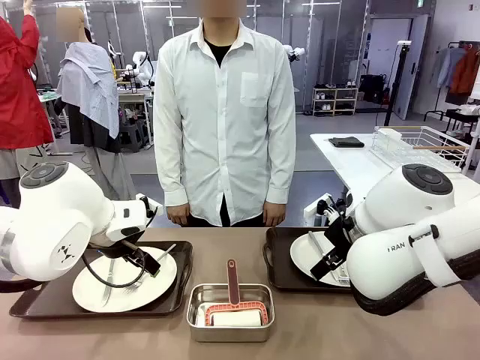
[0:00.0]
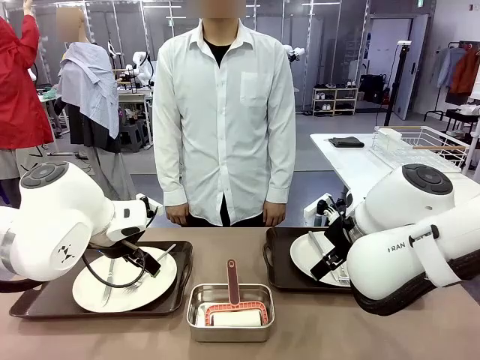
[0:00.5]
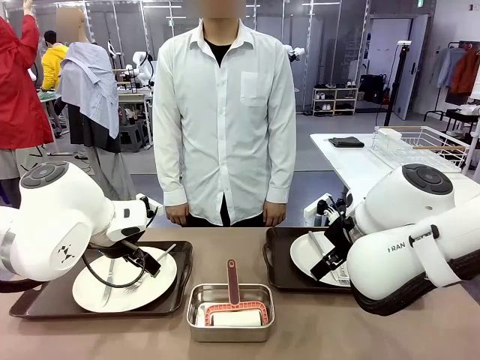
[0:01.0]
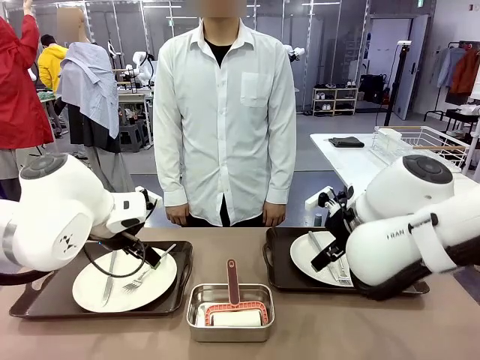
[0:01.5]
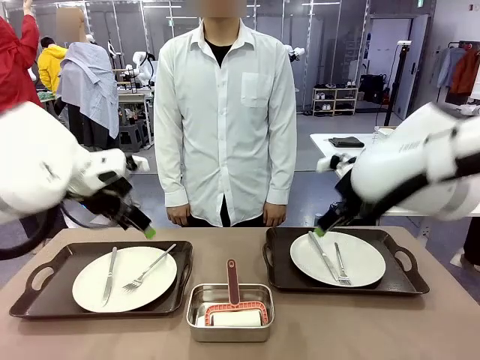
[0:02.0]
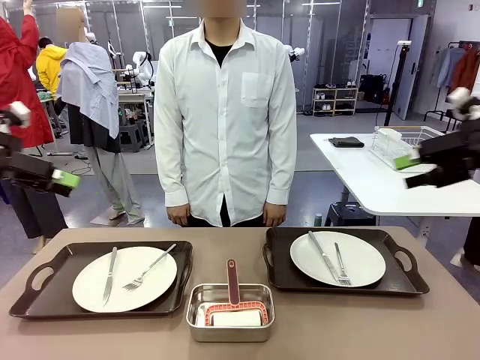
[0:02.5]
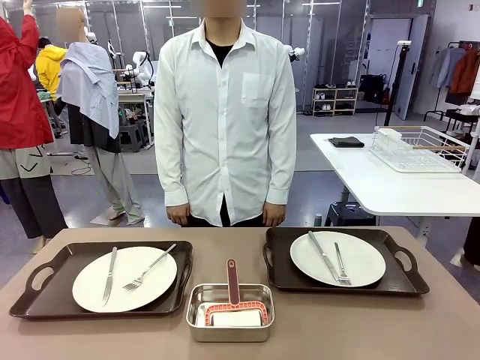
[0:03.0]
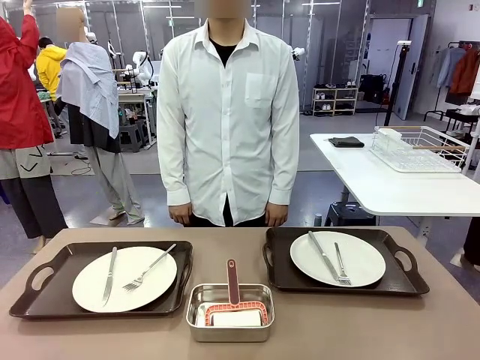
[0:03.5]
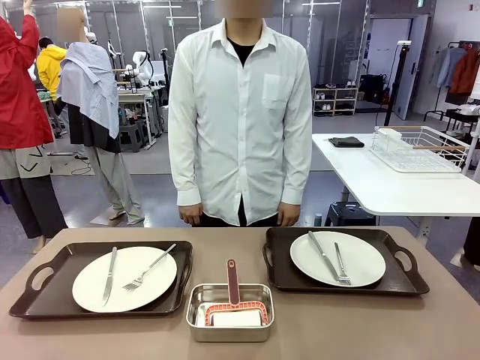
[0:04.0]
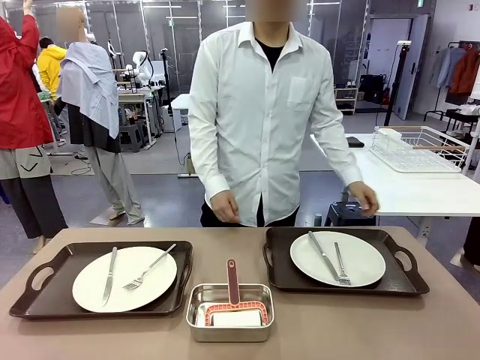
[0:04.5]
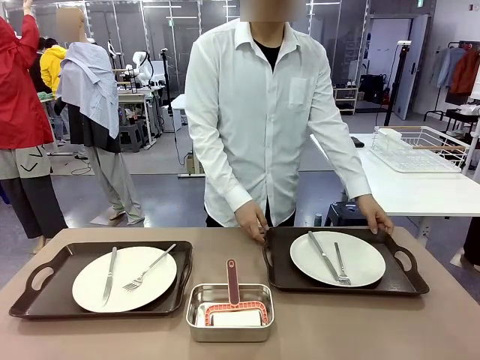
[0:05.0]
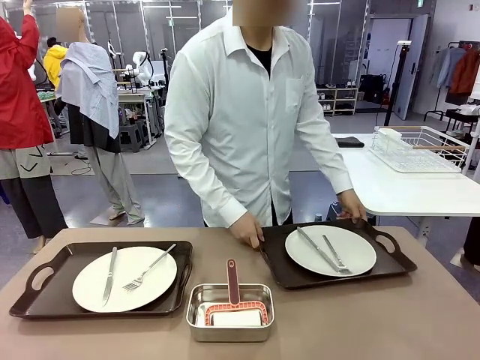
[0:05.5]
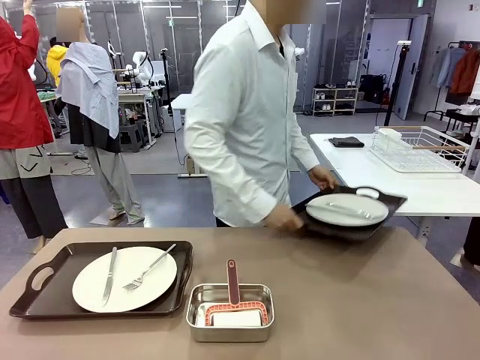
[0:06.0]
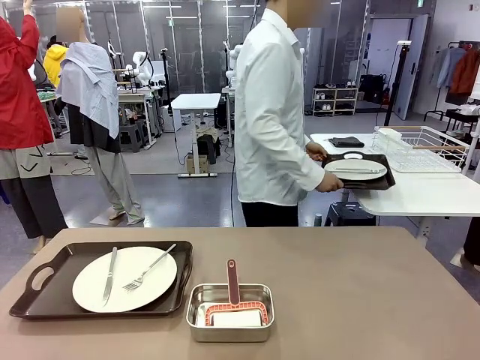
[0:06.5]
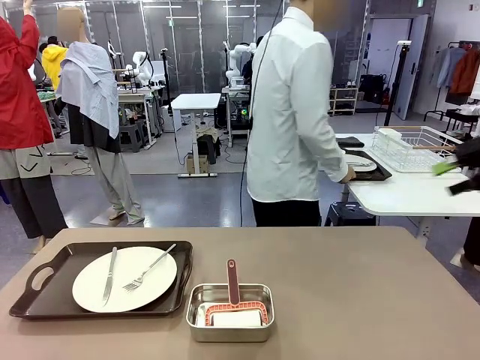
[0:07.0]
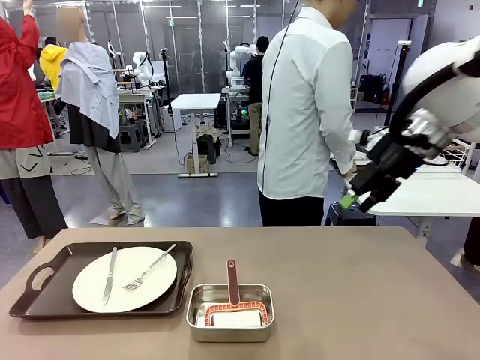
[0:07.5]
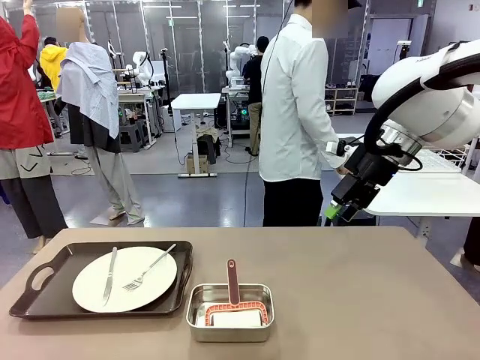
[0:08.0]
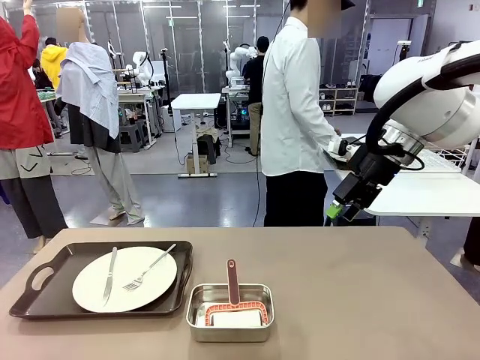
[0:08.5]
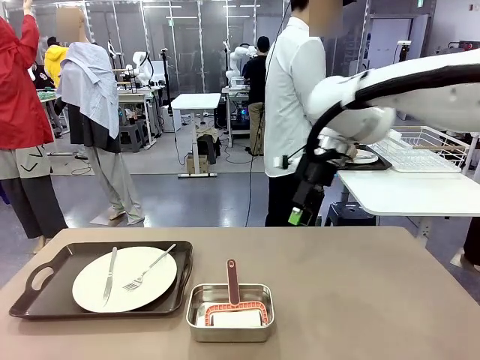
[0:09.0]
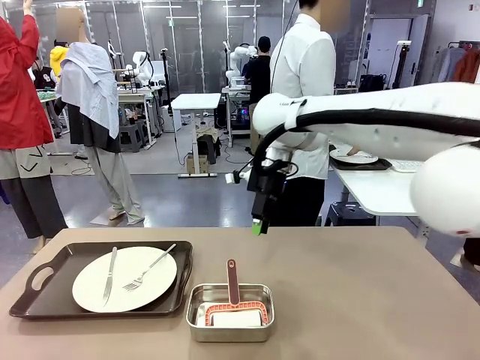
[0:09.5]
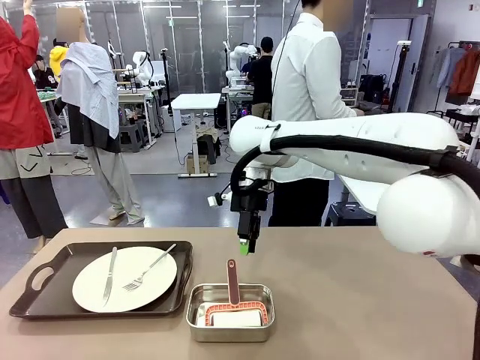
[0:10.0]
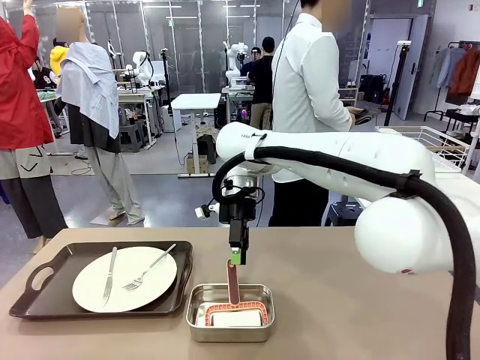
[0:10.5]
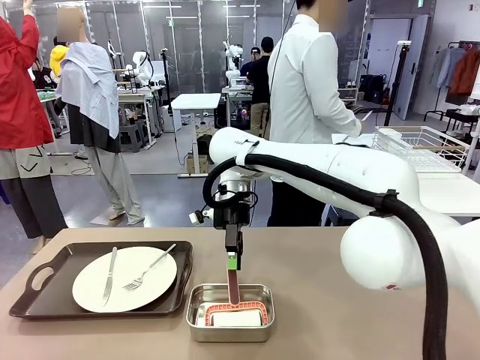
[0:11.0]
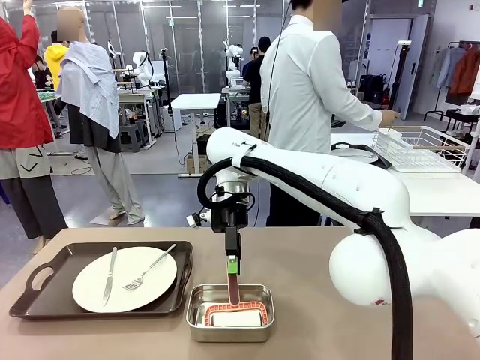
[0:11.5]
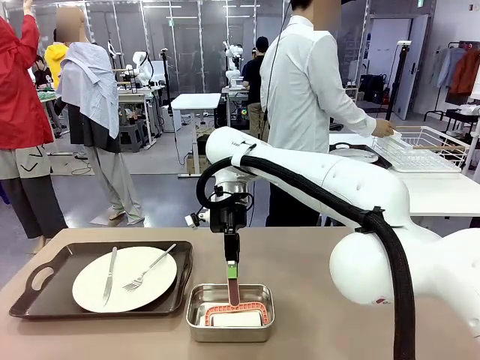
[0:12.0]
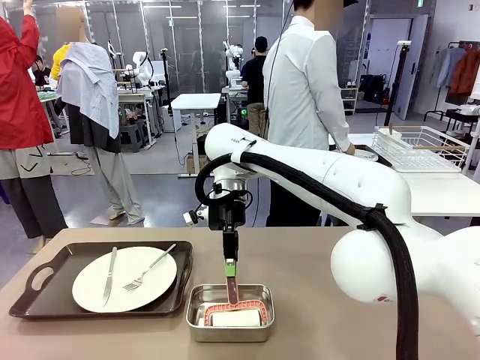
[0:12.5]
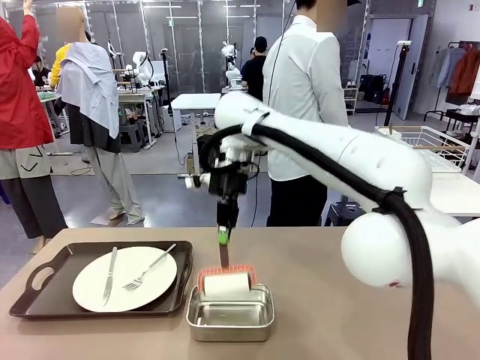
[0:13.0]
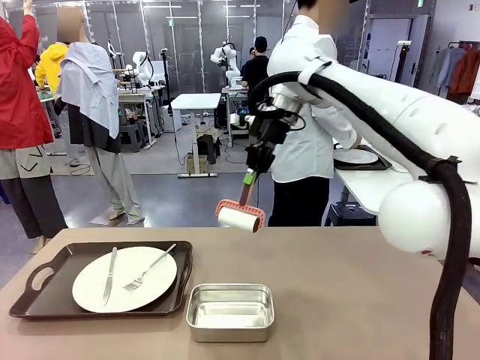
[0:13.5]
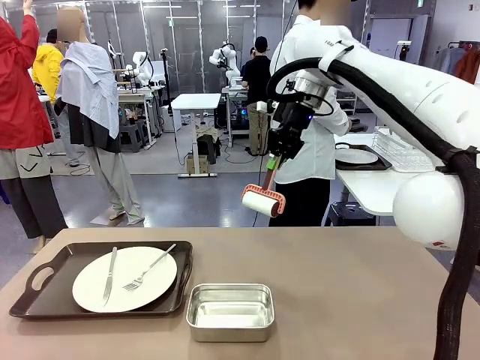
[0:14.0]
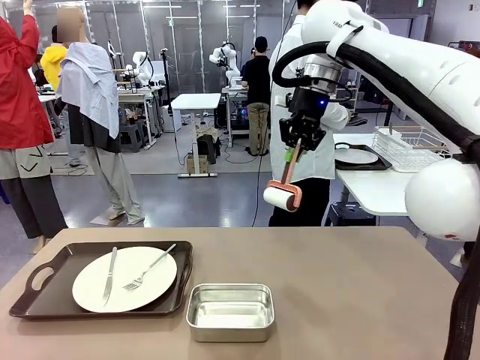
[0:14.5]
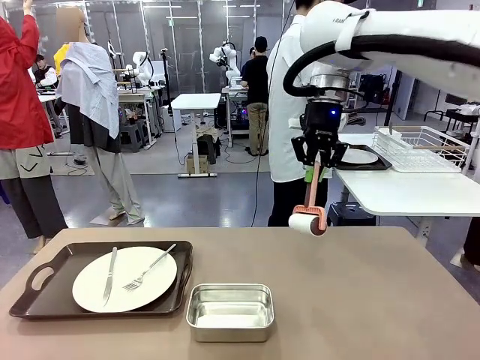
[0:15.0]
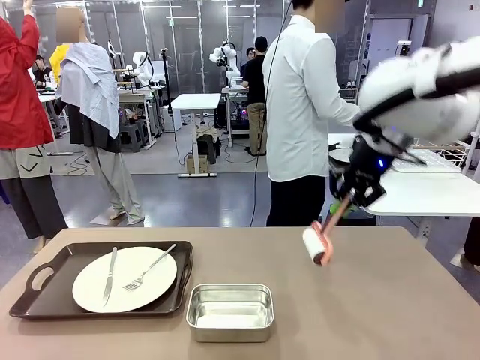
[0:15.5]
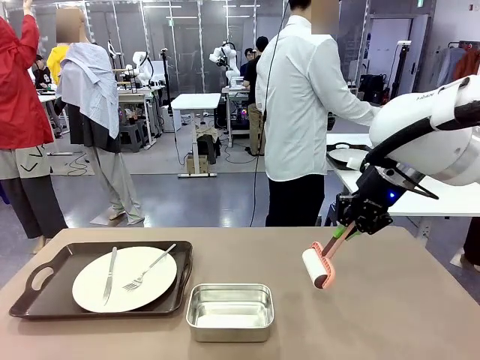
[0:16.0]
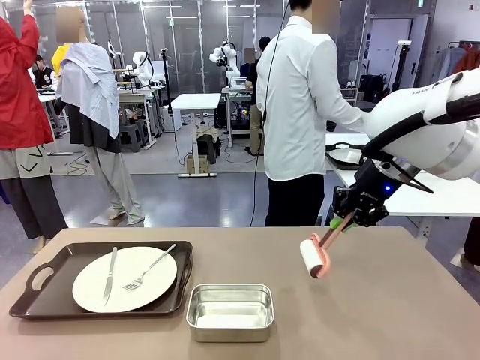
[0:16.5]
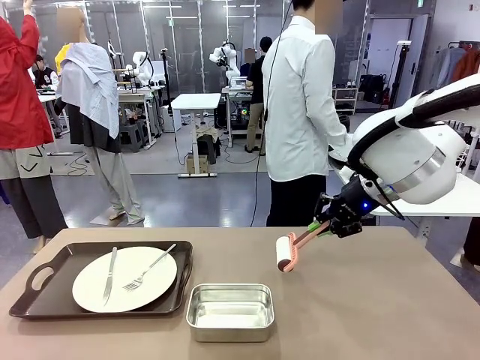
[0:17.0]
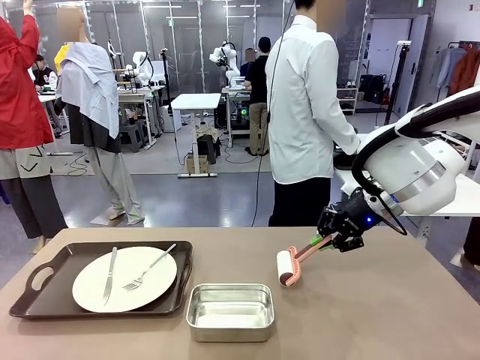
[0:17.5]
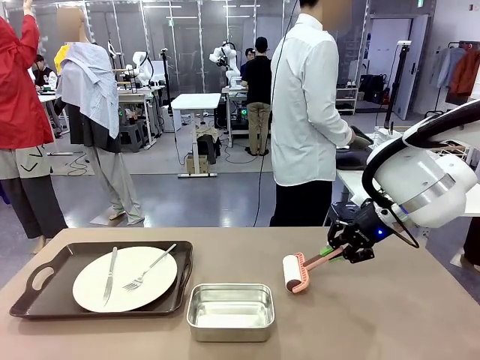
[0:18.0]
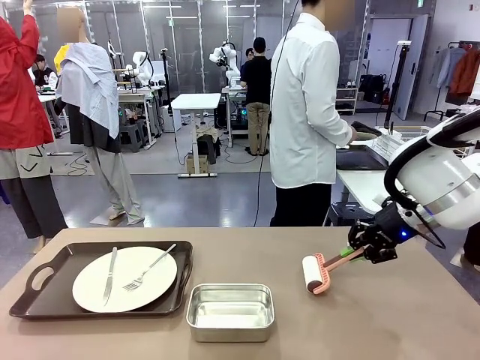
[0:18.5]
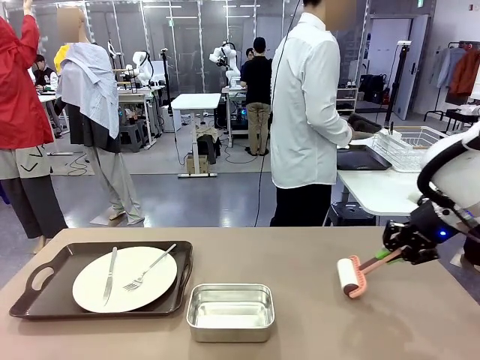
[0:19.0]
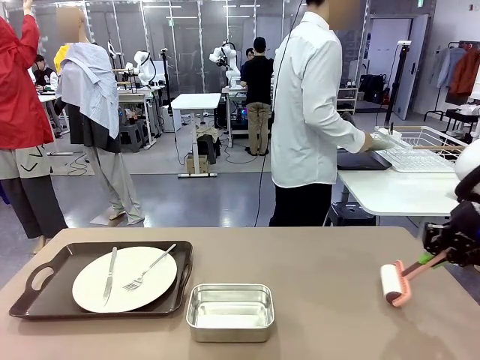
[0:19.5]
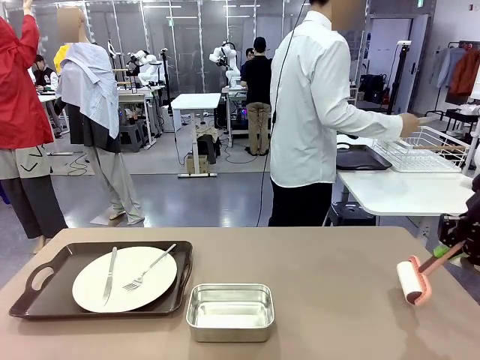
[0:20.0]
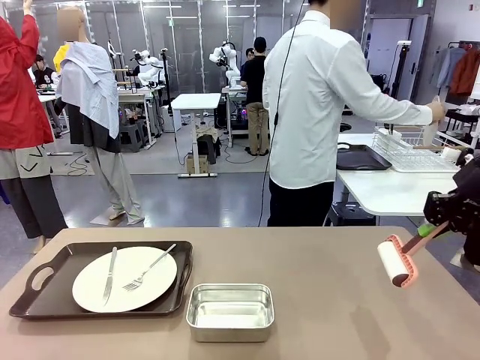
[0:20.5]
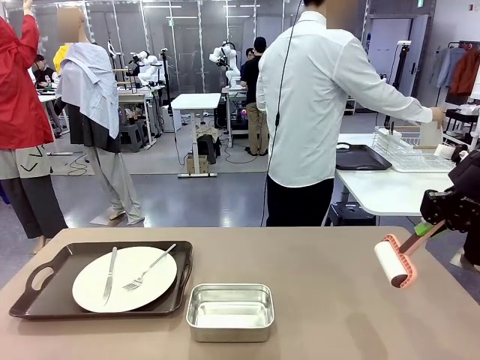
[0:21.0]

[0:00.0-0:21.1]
Robot: When the left (or right) Handle tray is removed, use the left hand (or right hand) to clean the left (or right) side of the table with the Lint Roller.
Person: Pick up the left (or right) Handle tray and place it on the middle of the Human's table. Use the Towel with hook to wipe the Plastic Matte Plate , Fork , and Knife and place into the Dish drying rack.

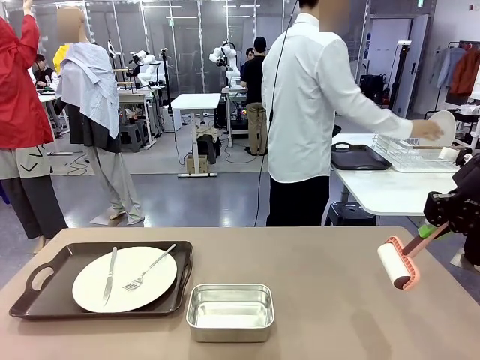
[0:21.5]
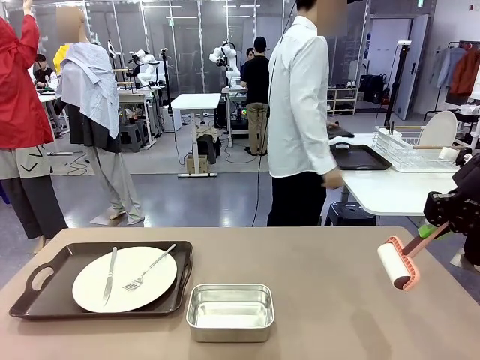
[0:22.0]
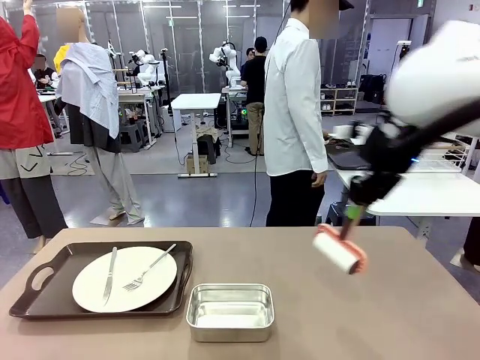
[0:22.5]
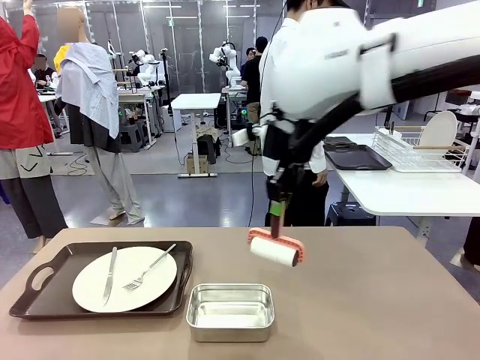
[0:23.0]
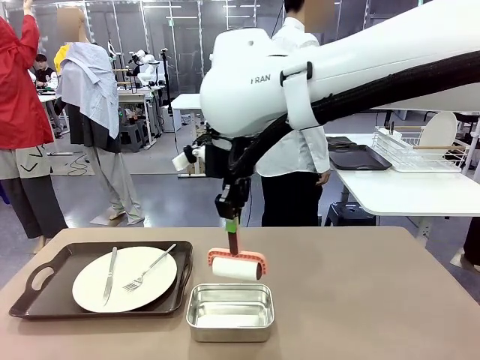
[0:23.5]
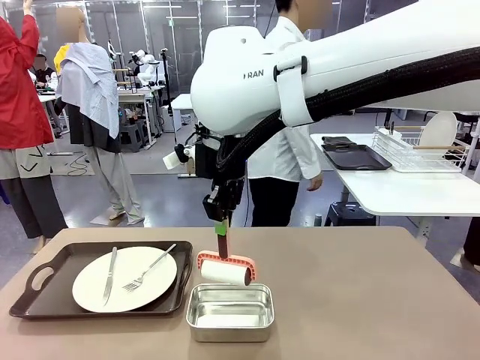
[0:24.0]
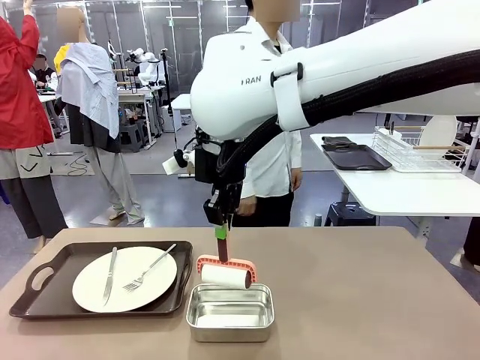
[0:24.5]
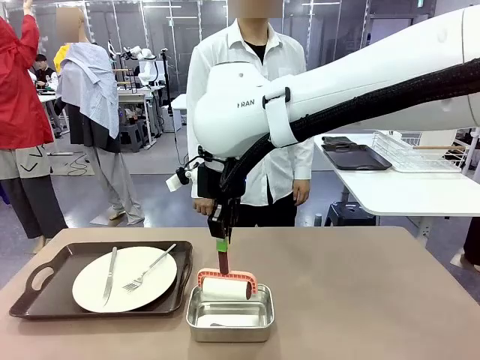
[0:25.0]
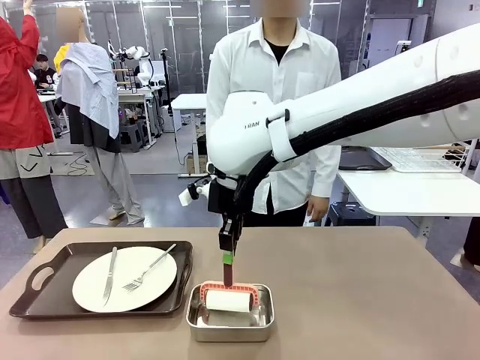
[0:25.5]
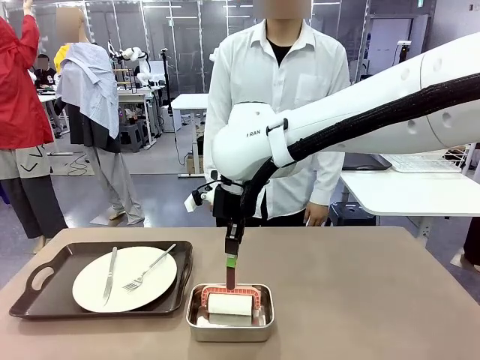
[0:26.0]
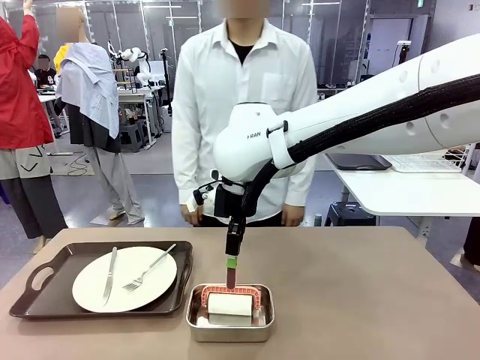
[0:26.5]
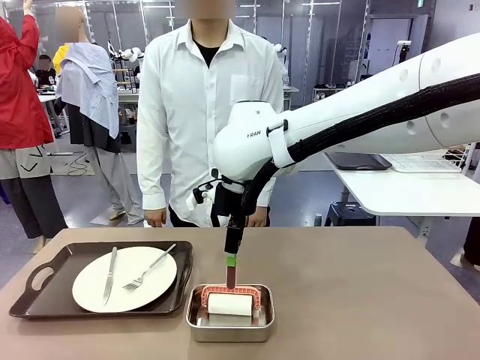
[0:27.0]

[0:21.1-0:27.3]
Robot: Place the Lint Roller back on top of the Airtight Container.
